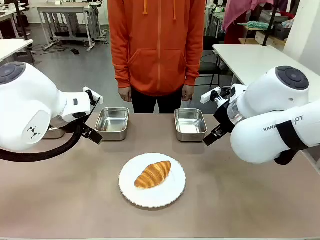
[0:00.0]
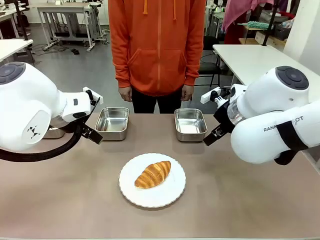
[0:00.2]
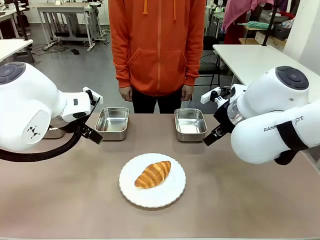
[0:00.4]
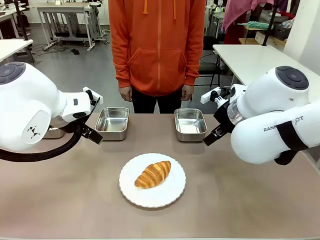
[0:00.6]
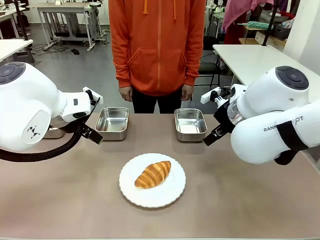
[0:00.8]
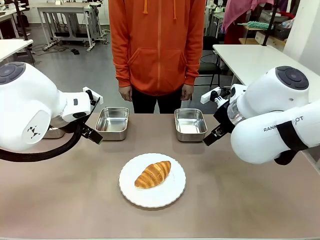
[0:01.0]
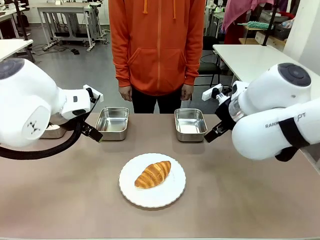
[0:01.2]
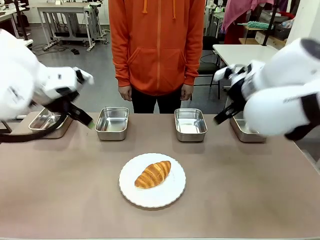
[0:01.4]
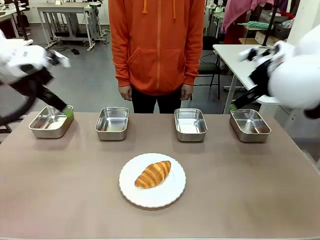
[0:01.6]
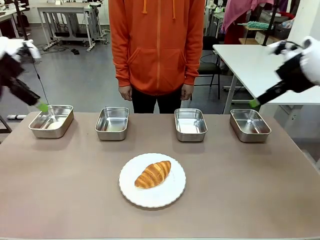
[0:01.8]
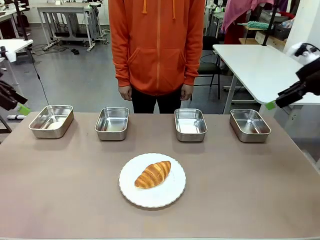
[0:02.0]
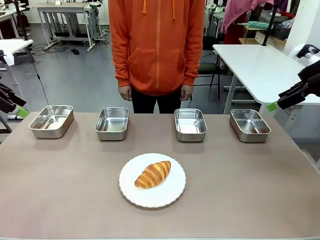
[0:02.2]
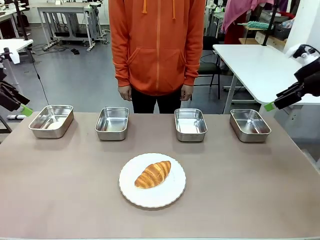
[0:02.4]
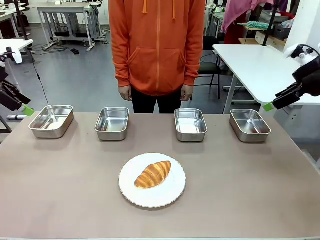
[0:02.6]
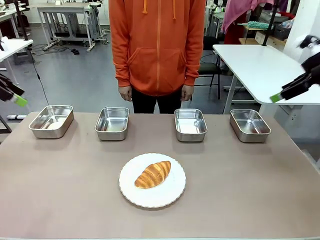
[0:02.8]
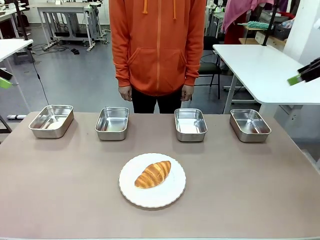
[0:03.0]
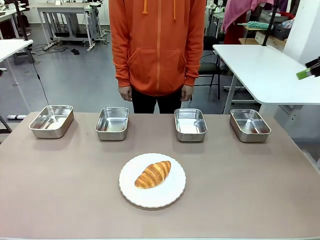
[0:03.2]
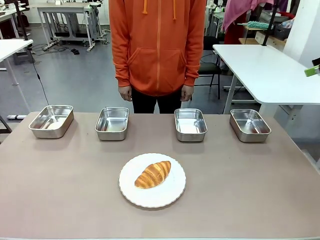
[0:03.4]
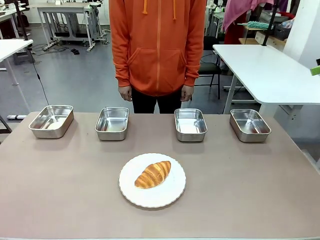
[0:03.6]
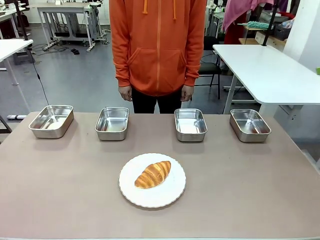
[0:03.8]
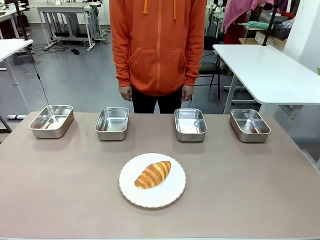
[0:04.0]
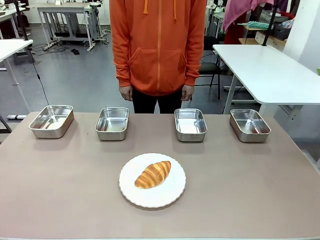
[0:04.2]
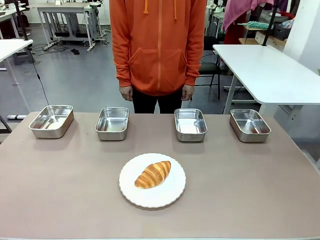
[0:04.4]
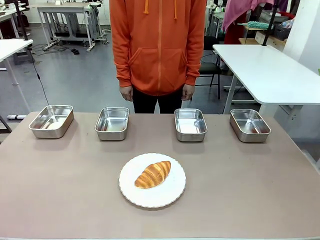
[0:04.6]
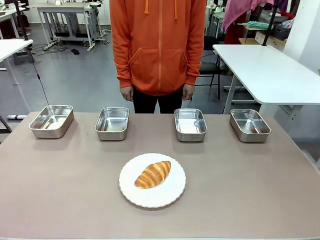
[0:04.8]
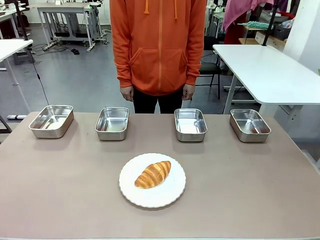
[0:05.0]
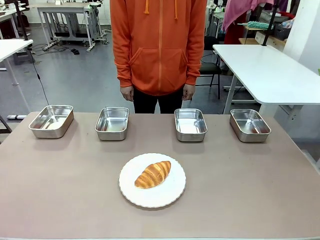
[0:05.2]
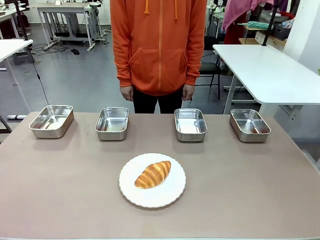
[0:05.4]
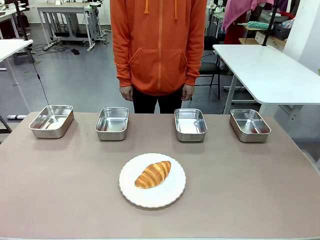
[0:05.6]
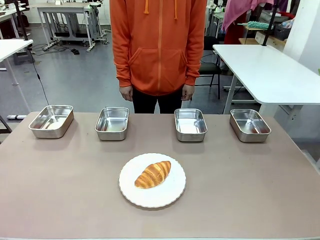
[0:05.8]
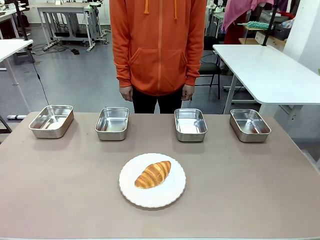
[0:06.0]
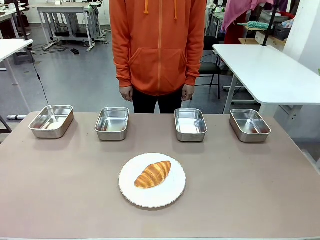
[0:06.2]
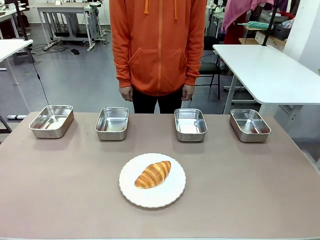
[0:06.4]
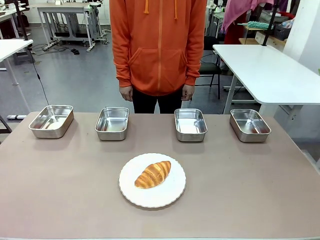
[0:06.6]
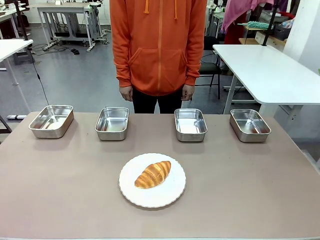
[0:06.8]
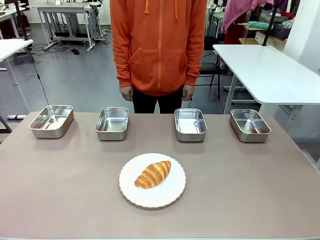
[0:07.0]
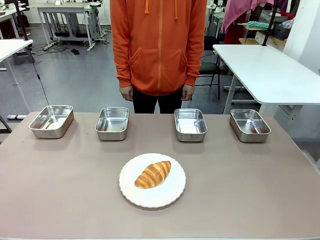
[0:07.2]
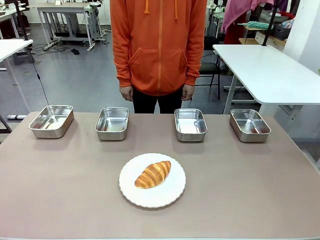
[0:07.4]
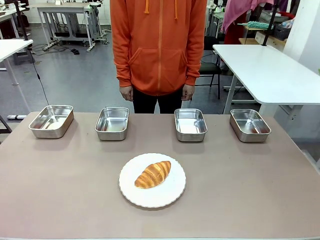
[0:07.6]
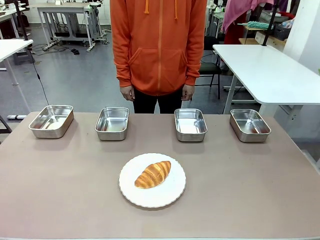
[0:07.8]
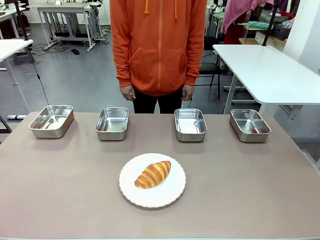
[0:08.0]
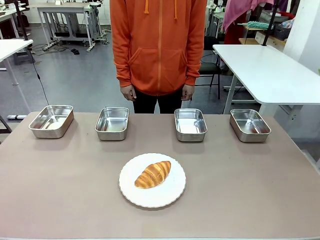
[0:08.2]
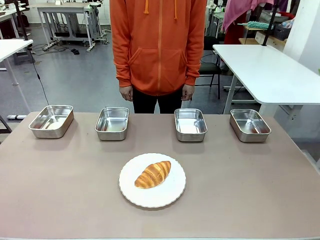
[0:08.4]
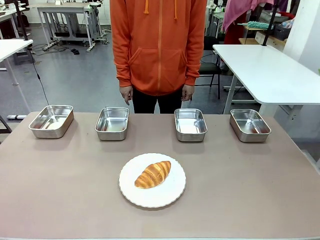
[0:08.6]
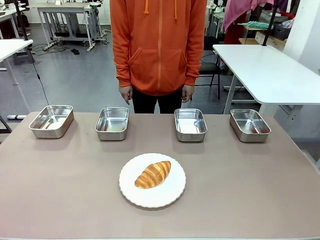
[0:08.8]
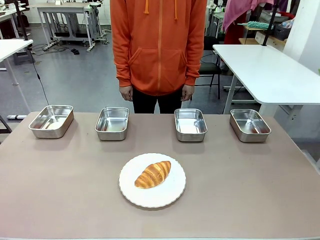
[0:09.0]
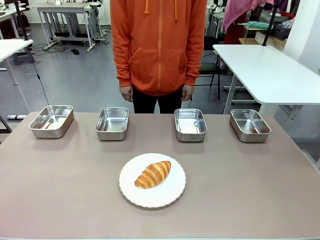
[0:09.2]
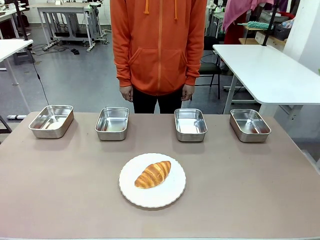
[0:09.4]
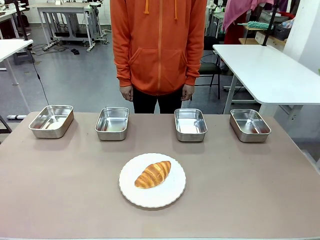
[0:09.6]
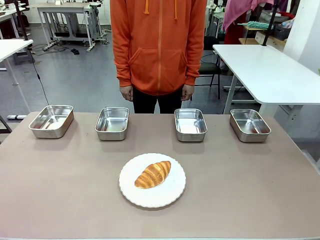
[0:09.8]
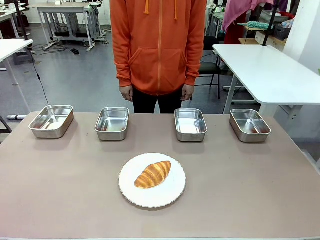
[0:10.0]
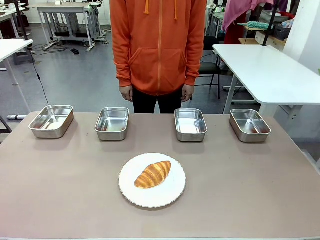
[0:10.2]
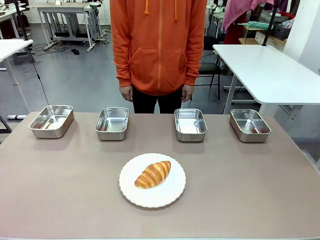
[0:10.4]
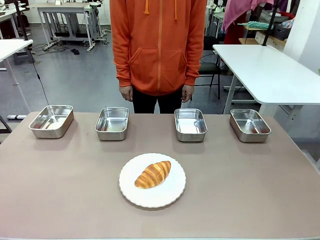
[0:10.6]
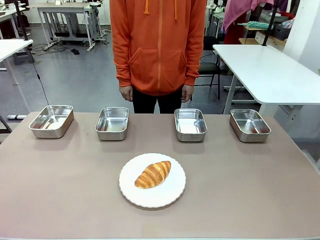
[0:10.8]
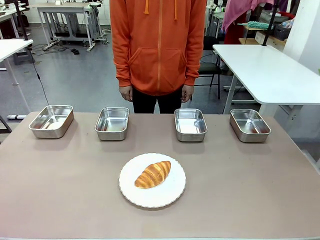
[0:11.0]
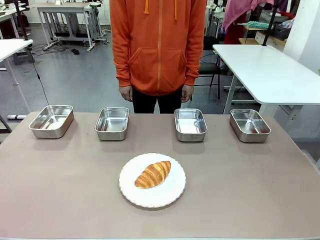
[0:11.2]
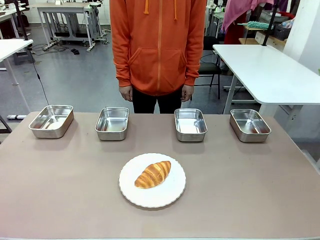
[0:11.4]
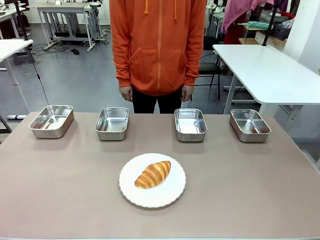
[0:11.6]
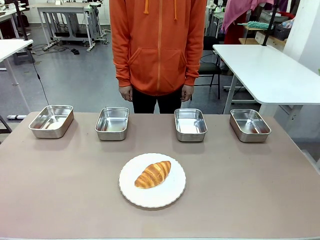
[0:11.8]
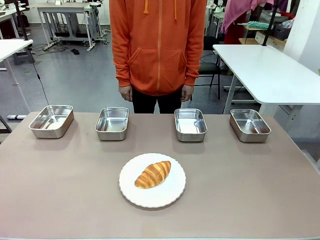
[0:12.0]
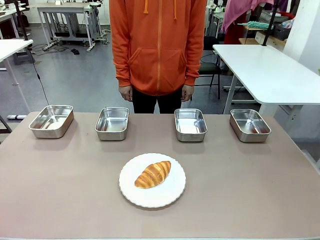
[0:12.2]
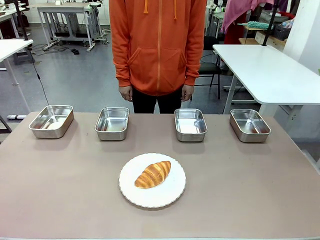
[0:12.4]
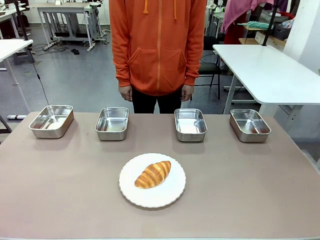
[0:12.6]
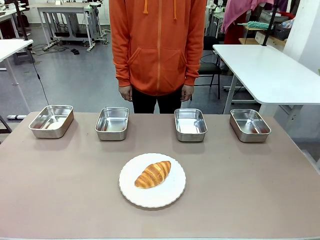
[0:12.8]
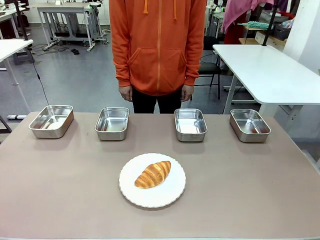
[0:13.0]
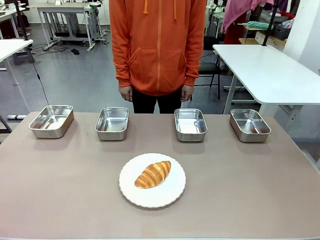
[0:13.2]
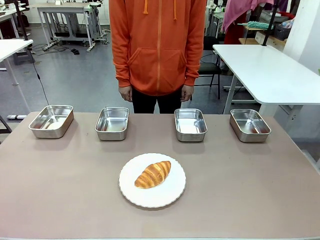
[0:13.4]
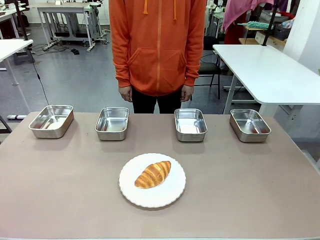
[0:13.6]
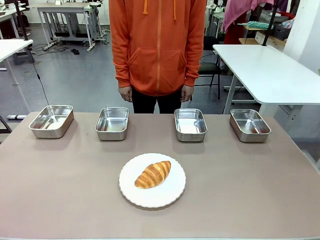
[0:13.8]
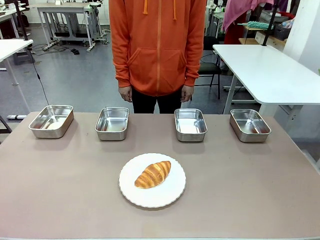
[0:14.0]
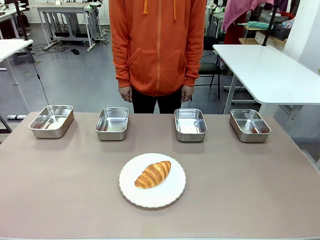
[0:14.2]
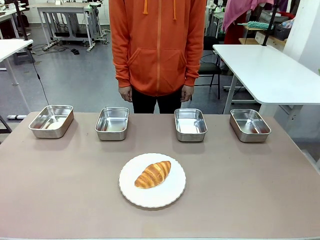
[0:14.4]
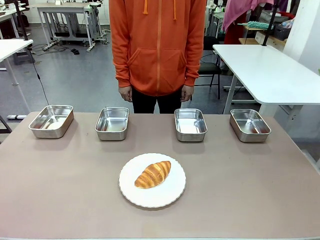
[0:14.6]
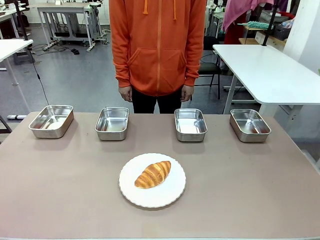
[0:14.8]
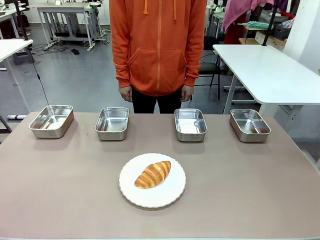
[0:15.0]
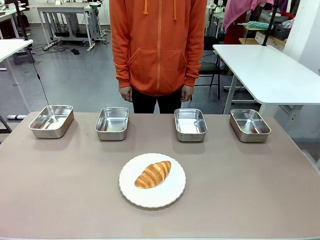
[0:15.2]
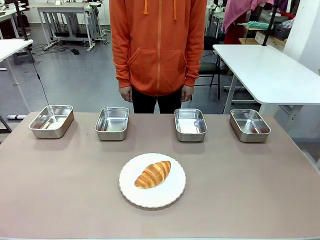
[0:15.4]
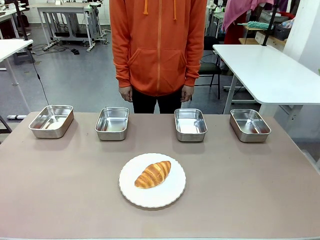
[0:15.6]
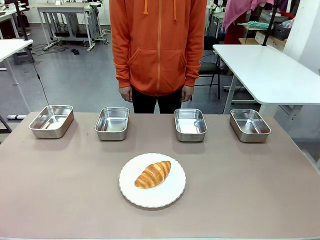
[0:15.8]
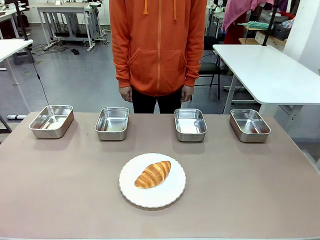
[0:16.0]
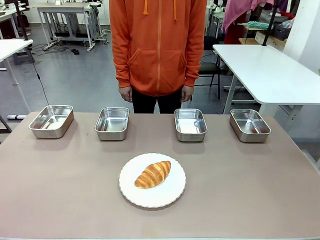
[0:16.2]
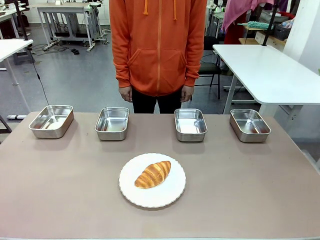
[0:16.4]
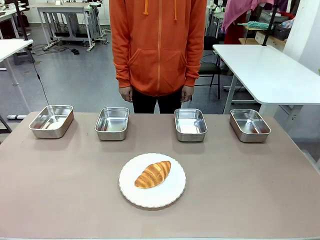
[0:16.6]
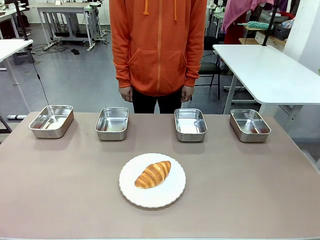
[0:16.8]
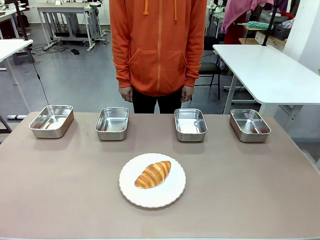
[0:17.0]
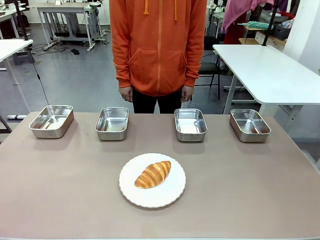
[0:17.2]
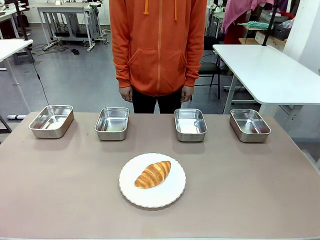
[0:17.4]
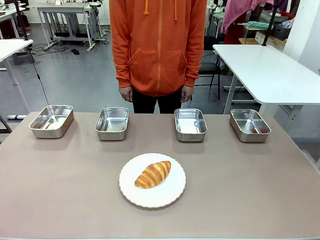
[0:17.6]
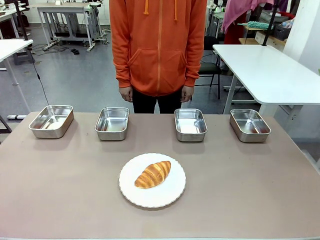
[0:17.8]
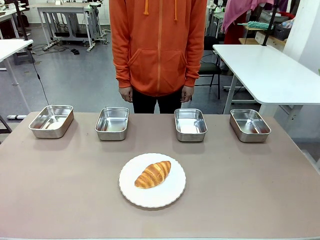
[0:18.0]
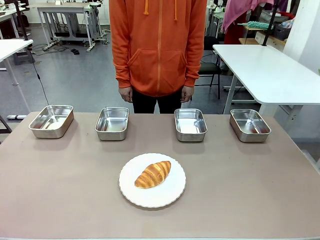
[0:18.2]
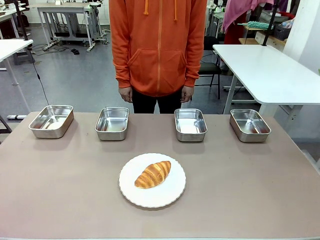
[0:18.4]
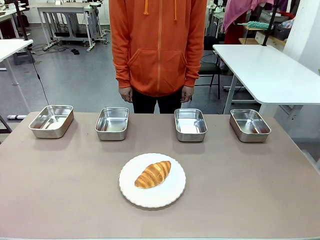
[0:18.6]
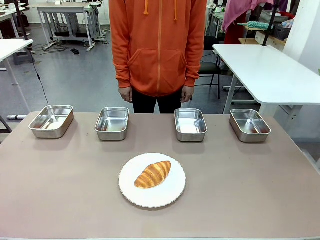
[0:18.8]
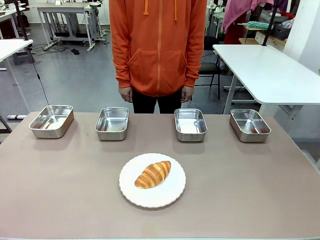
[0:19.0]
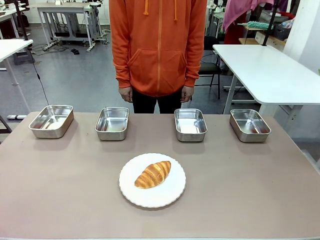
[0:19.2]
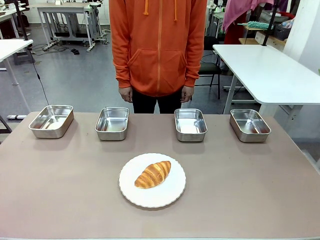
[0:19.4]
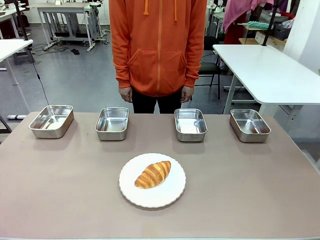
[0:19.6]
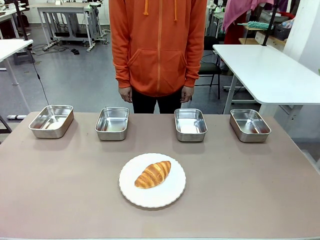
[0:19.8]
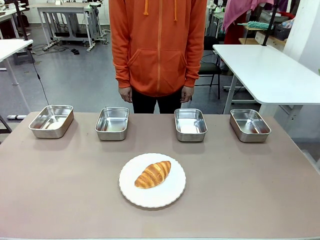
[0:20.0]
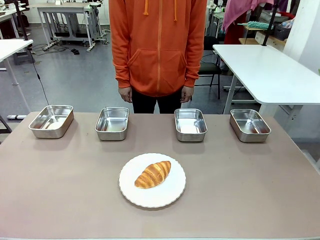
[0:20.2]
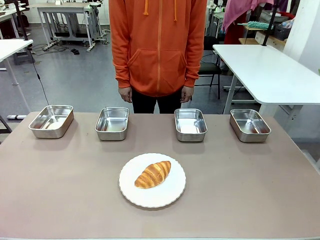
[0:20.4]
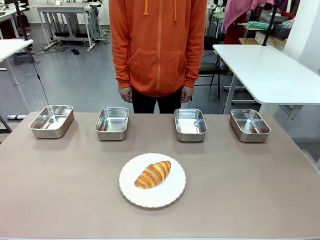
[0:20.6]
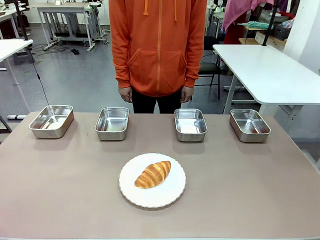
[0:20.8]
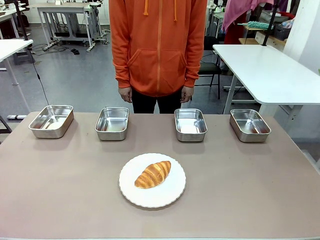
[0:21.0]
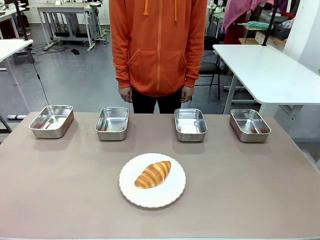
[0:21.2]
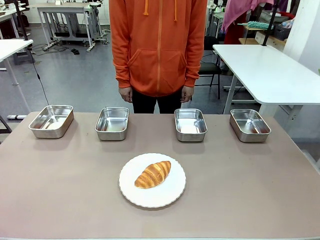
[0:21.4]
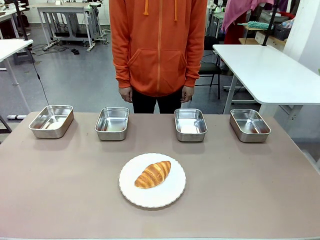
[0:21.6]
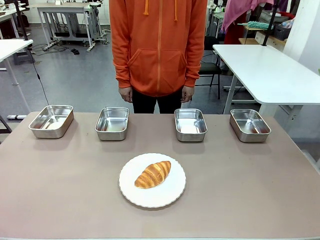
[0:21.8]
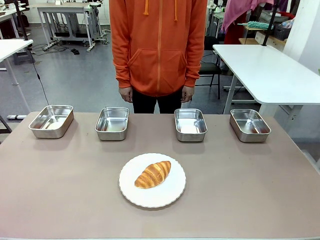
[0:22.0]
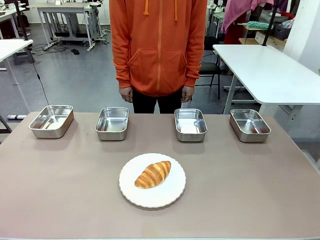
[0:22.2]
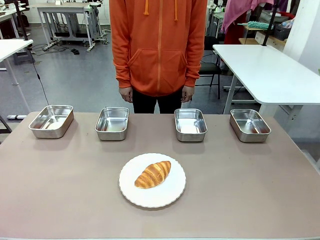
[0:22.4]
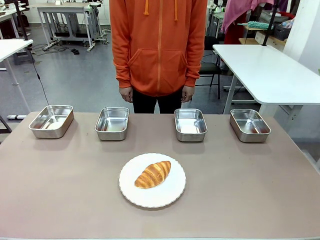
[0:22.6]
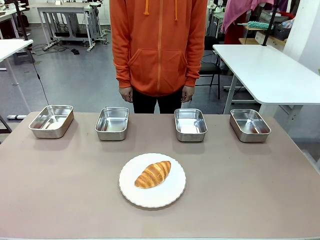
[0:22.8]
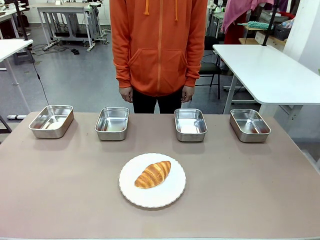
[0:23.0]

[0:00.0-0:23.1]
Task: Place the bread in the container.
Robot: Place the Butter Roll into the Airtight Container indicated by the human.
